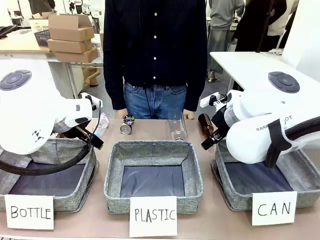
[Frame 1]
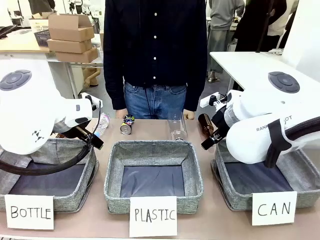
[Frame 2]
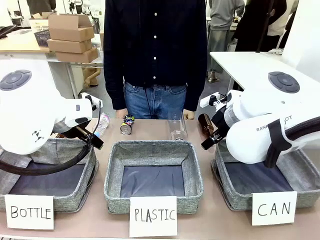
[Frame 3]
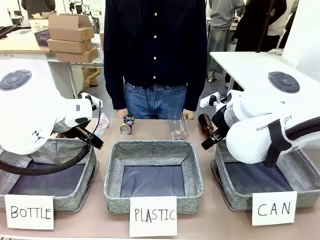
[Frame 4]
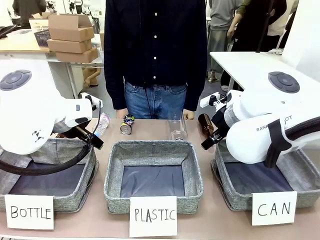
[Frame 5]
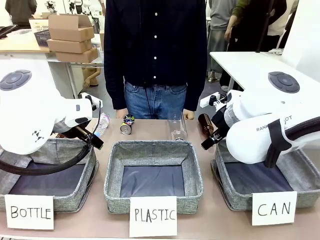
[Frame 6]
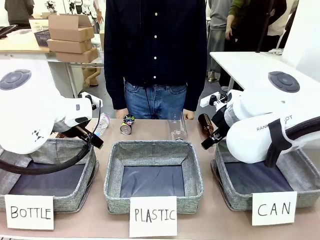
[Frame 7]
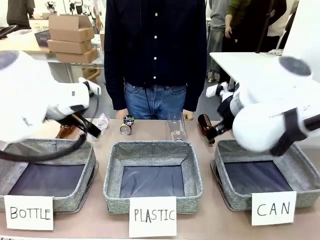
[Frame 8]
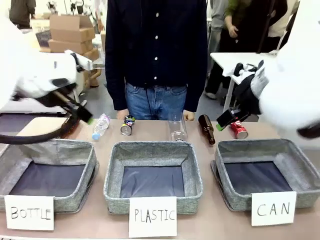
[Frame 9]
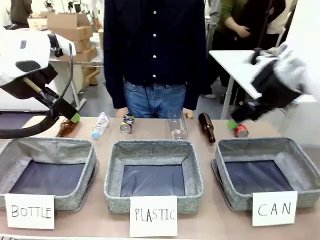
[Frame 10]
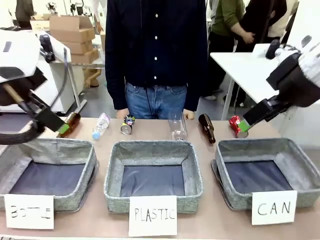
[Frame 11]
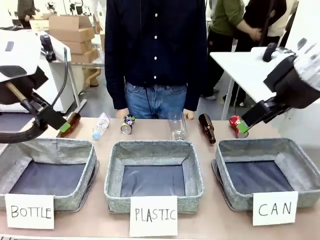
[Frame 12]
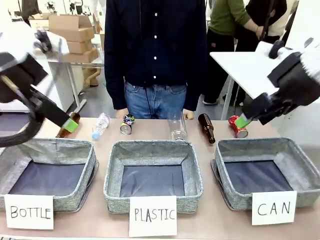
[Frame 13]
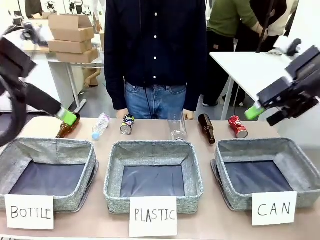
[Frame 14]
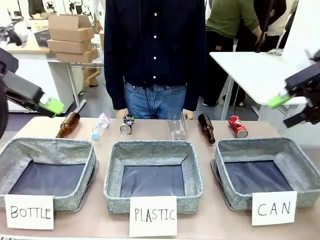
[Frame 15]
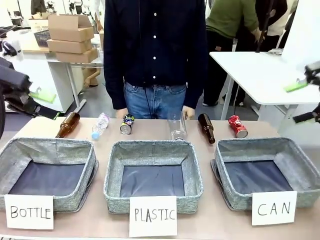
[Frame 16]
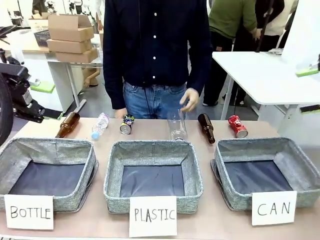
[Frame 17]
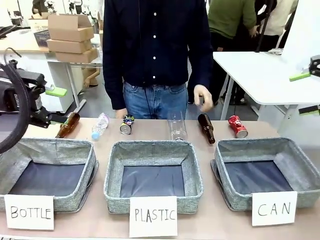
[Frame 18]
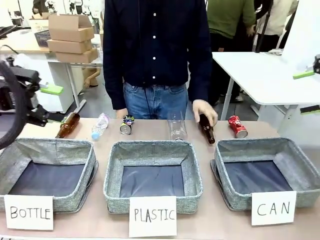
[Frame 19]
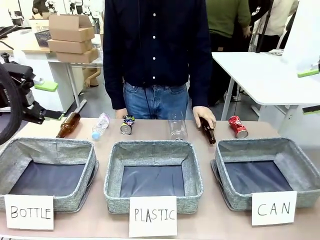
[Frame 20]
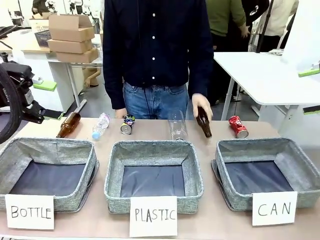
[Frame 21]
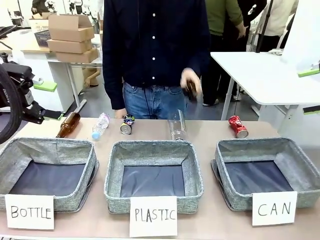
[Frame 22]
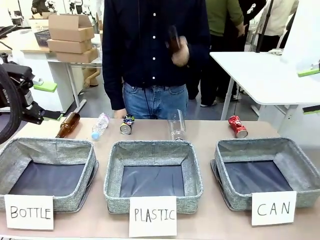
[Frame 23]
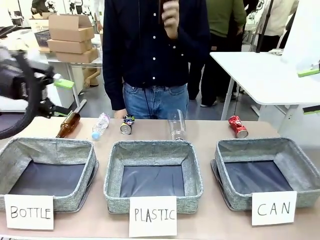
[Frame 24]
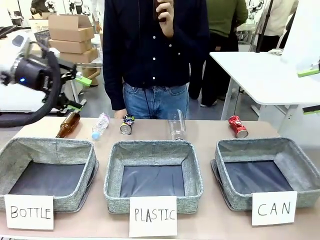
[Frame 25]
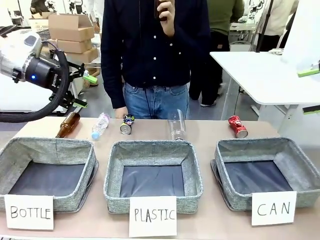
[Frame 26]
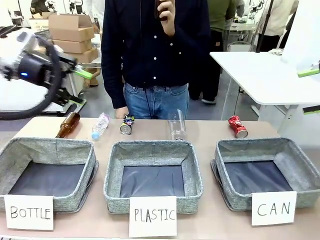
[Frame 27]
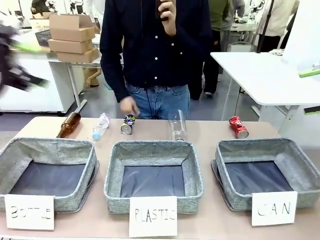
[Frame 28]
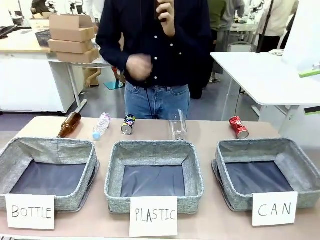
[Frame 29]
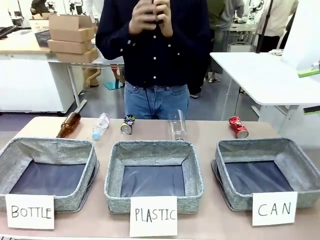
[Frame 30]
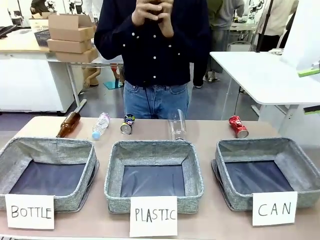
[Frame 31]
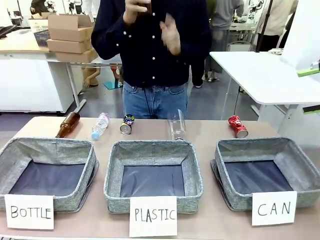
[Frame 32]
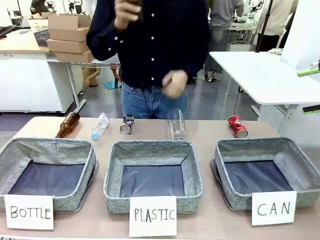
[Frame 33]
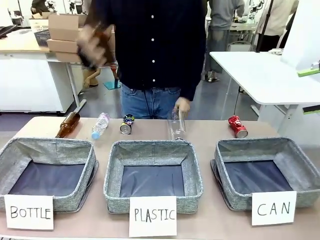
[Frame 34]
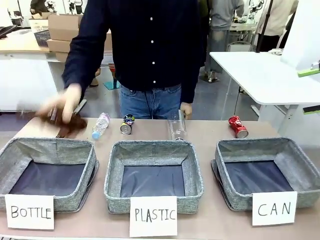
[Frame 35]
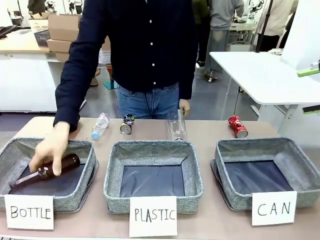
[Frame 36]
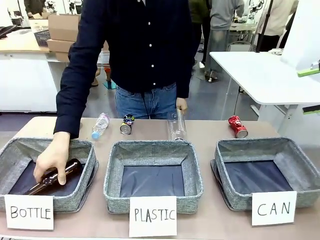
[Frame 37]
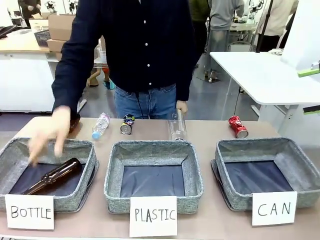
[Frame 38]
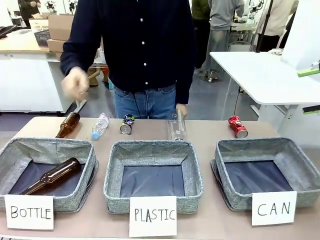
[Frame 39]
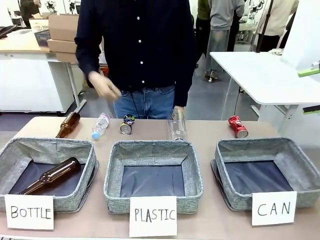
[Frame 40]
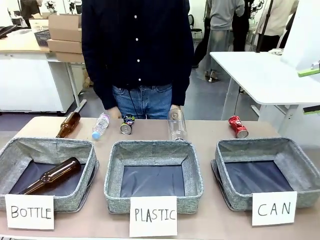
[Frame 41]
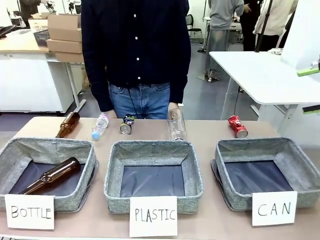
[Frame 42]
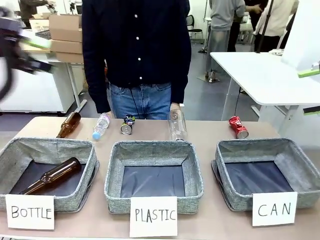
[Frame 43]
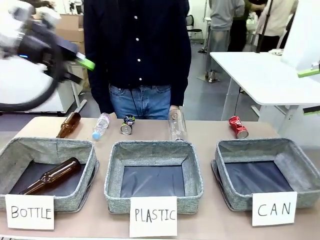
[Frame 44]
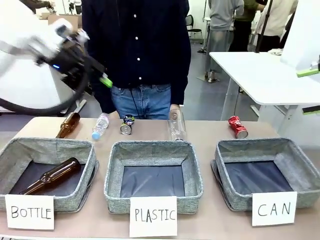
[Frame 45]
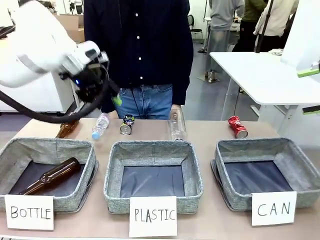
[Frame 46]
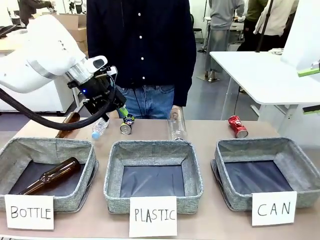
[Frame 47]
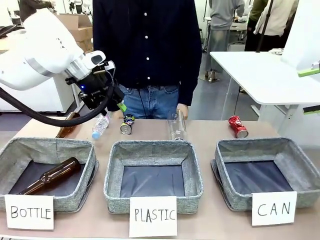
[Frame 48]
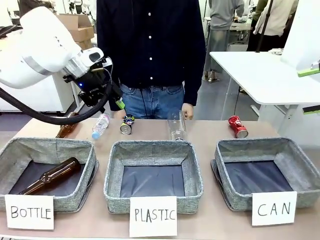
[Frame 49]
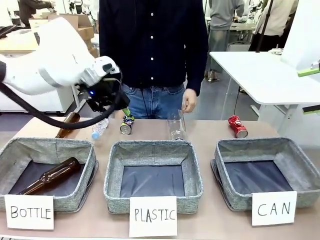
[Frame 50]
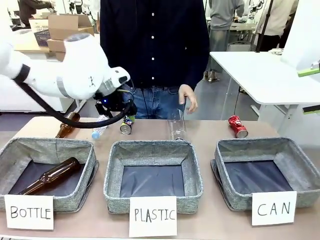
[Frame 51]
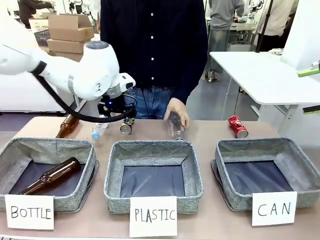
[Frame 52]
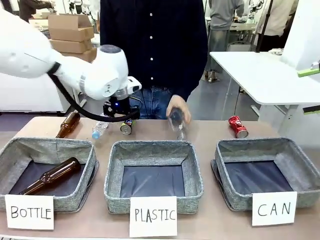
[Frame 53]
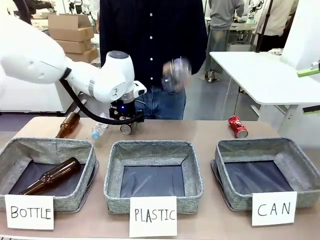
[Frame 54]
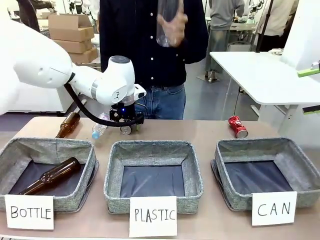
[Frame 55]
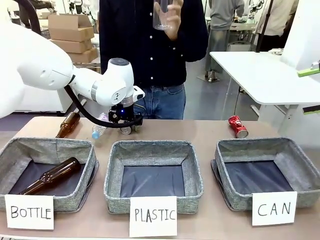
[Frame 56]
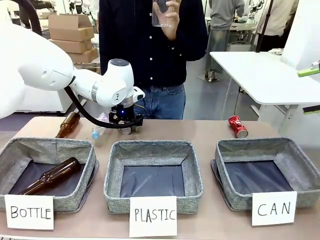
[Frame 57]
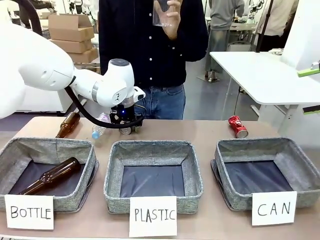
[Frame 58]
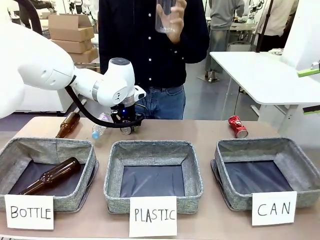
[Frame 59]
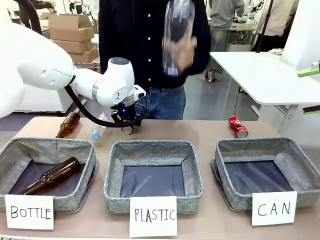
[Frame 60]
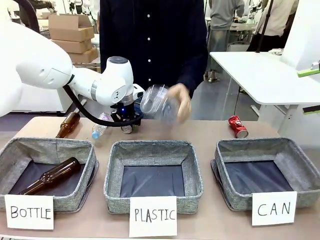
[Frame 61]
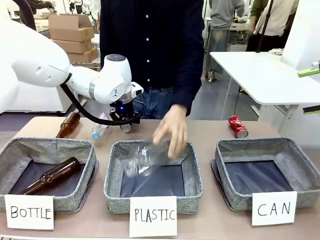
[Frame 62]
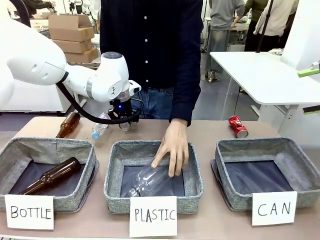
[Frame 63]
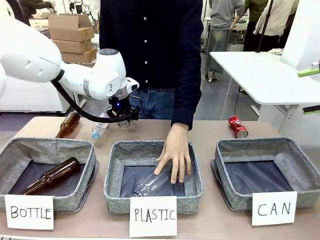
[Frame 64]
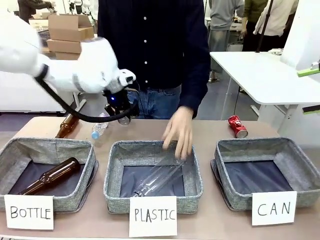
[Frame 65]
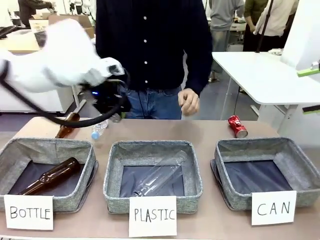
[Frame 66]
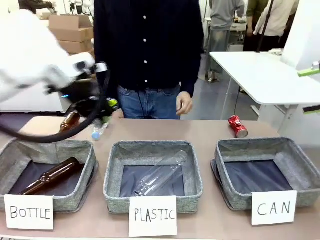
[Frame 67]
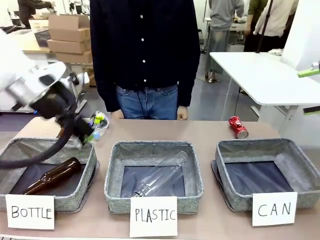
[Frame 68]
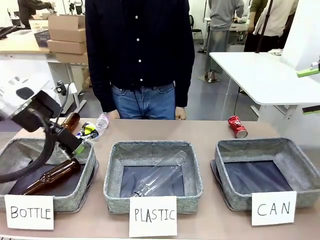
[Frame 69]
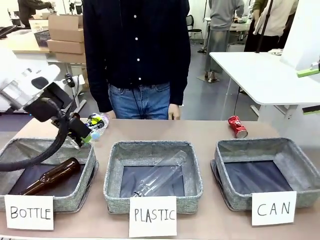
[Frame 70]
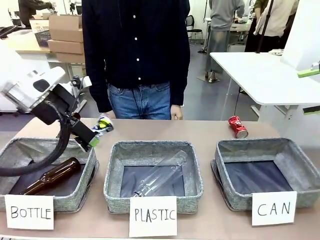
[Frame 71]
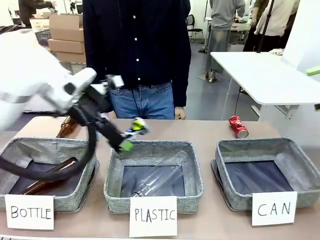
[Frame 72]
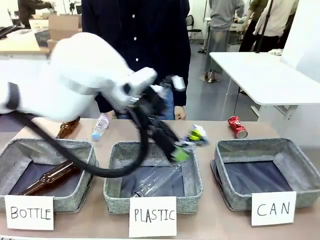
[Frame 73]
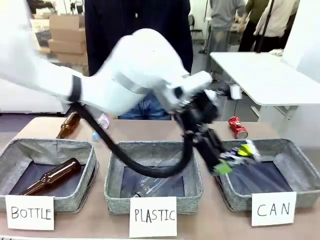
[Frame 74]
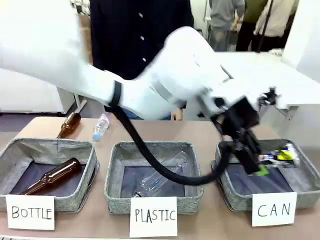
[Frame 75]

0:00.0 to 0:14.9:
Task: Sort the can waste into the basket.
Robot: Pick up the can waste from the table and place it in the right Fabric basket.
